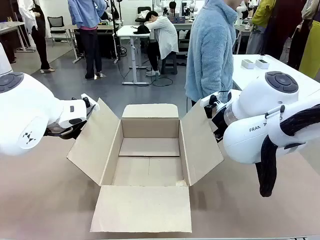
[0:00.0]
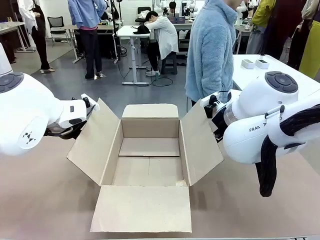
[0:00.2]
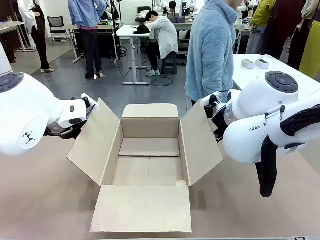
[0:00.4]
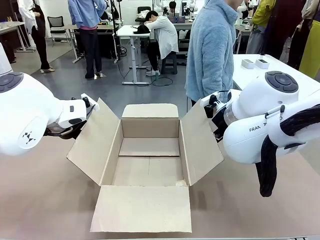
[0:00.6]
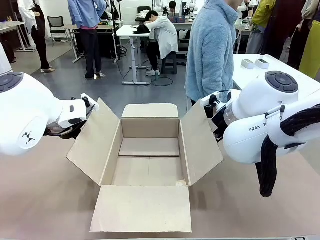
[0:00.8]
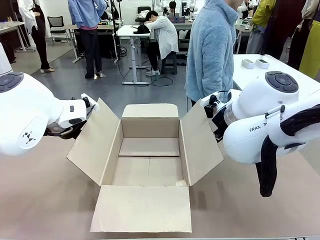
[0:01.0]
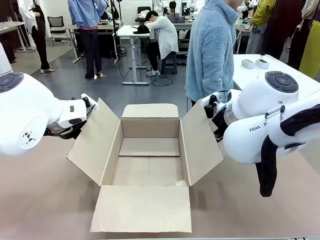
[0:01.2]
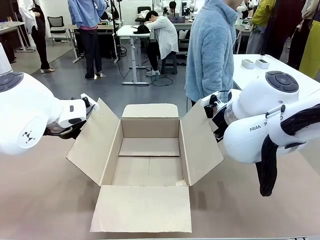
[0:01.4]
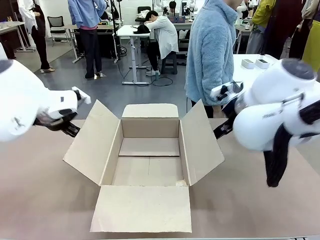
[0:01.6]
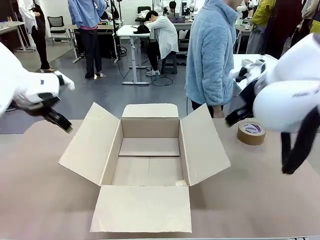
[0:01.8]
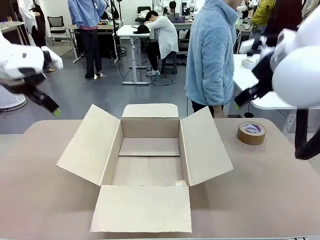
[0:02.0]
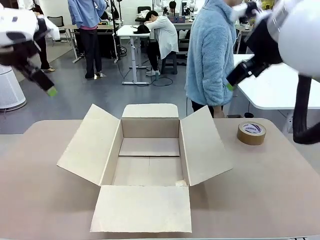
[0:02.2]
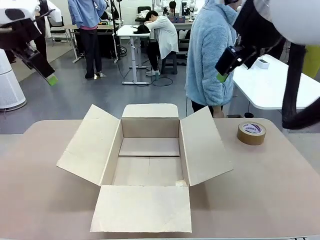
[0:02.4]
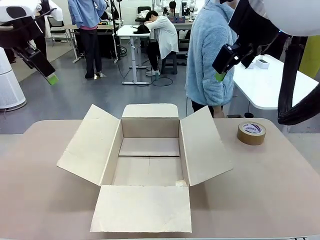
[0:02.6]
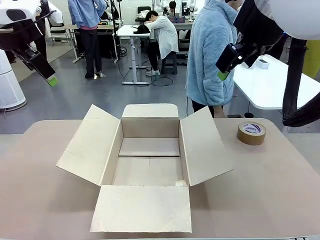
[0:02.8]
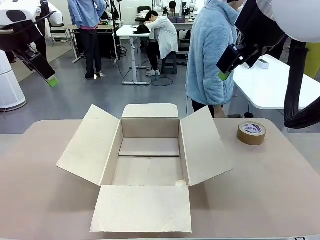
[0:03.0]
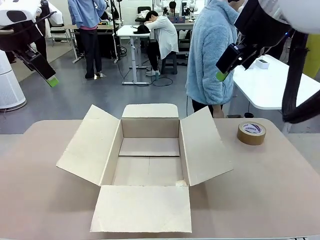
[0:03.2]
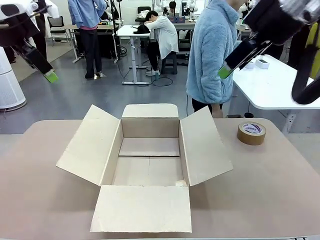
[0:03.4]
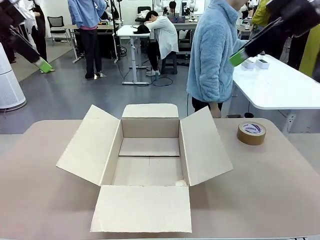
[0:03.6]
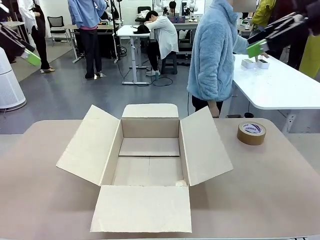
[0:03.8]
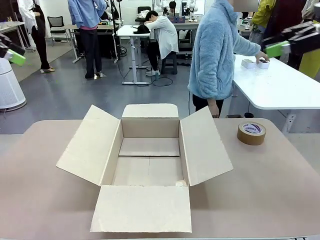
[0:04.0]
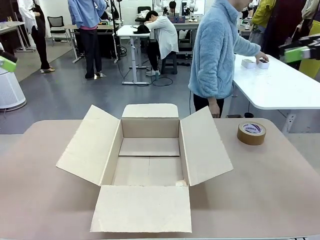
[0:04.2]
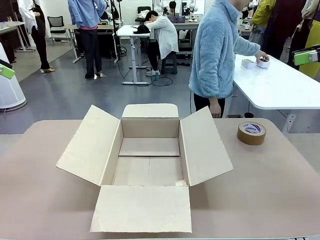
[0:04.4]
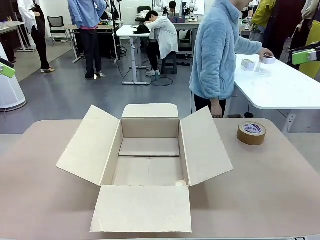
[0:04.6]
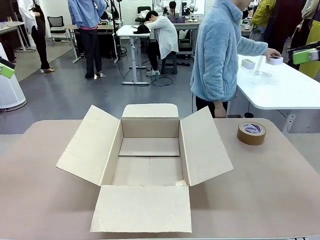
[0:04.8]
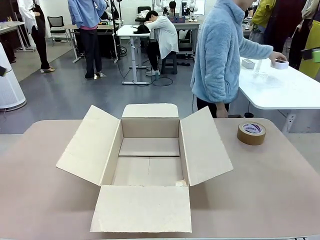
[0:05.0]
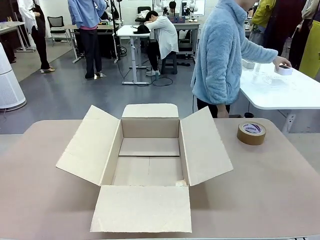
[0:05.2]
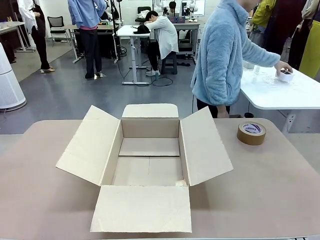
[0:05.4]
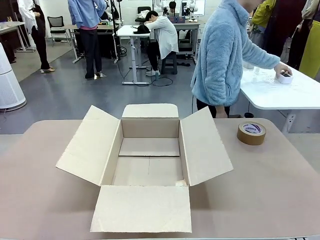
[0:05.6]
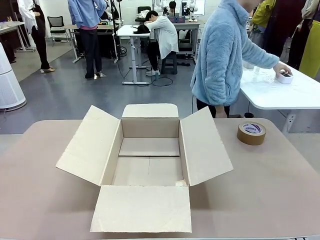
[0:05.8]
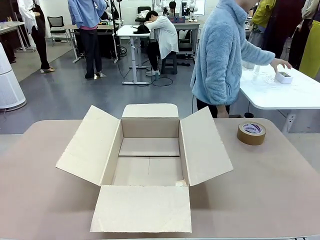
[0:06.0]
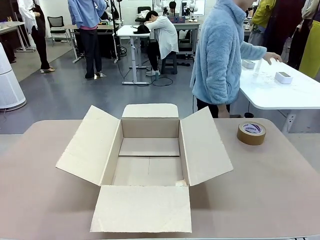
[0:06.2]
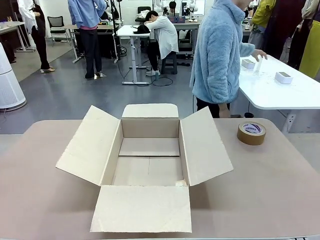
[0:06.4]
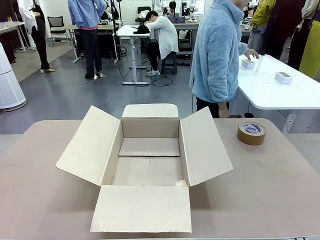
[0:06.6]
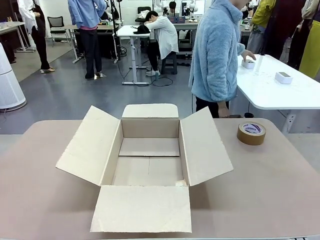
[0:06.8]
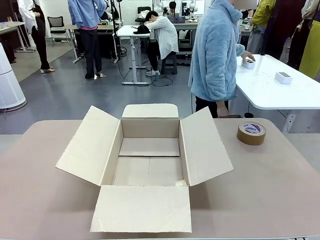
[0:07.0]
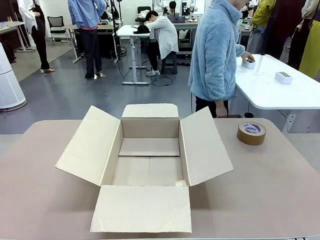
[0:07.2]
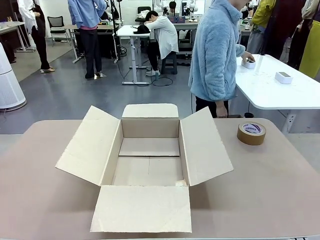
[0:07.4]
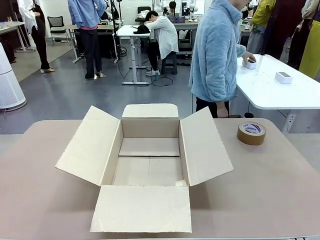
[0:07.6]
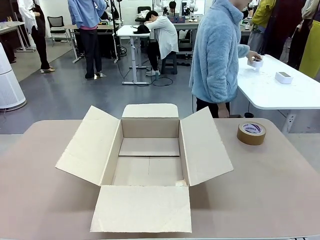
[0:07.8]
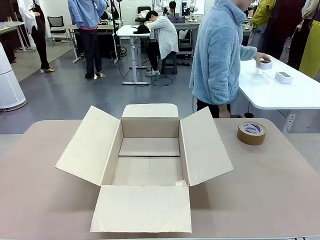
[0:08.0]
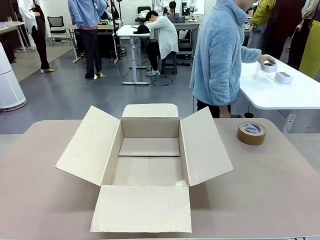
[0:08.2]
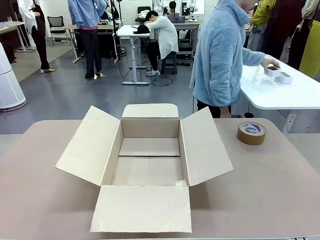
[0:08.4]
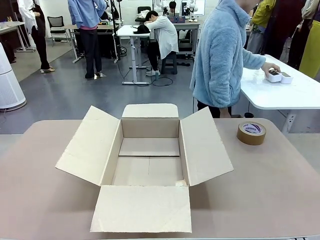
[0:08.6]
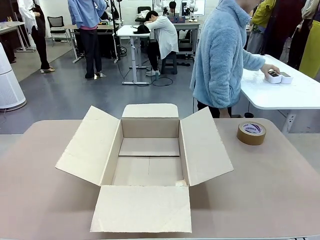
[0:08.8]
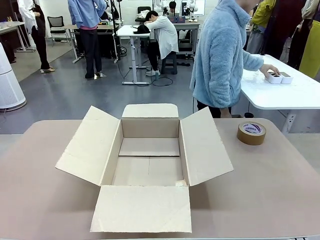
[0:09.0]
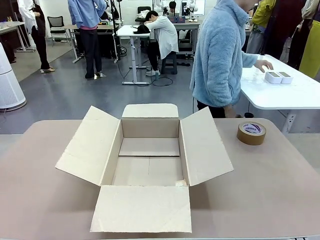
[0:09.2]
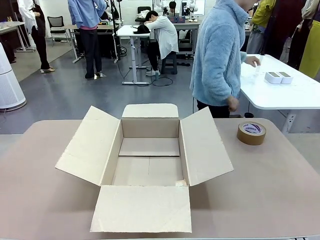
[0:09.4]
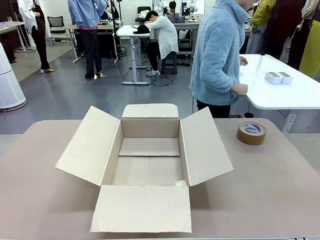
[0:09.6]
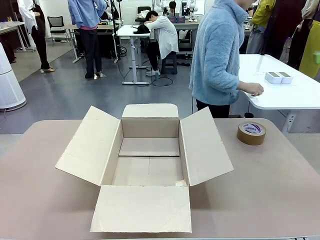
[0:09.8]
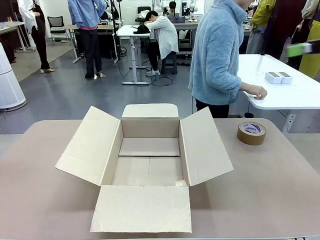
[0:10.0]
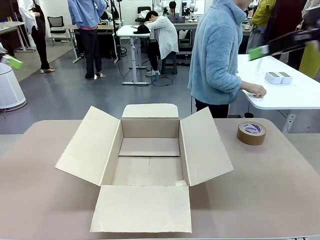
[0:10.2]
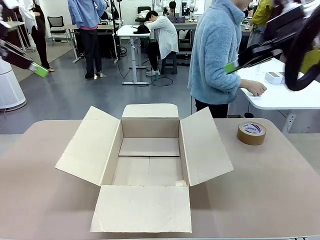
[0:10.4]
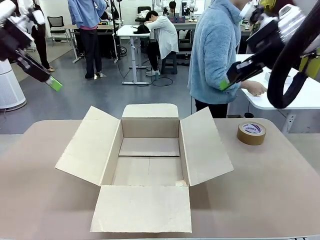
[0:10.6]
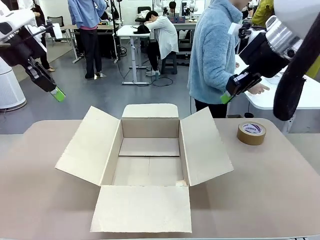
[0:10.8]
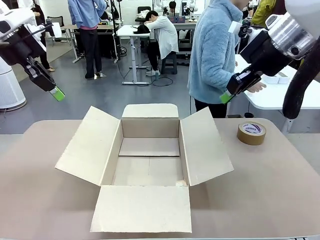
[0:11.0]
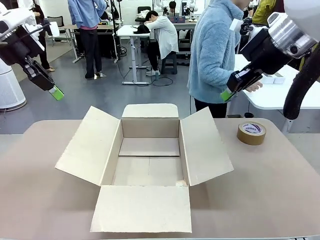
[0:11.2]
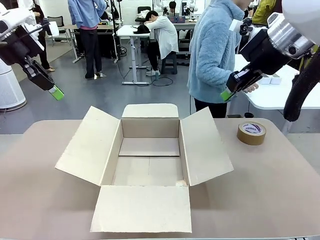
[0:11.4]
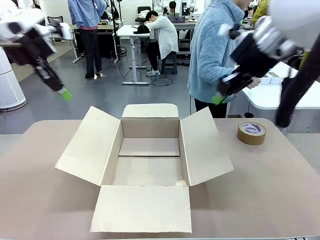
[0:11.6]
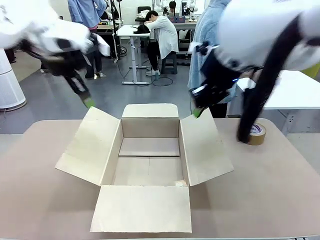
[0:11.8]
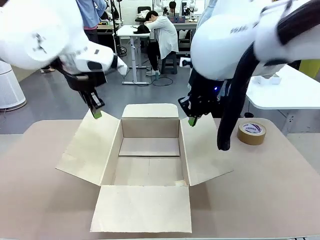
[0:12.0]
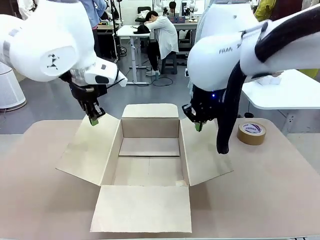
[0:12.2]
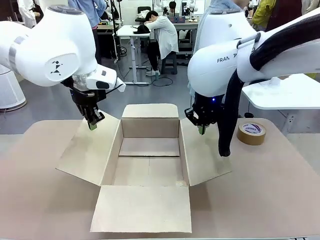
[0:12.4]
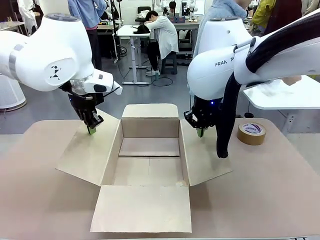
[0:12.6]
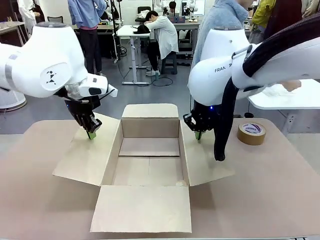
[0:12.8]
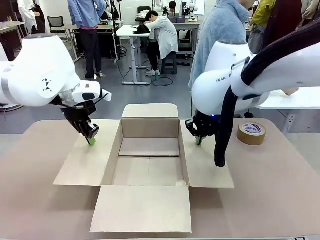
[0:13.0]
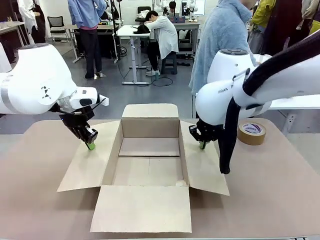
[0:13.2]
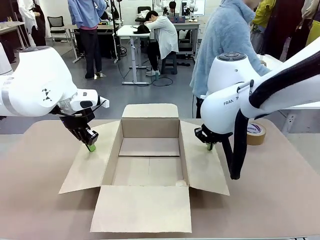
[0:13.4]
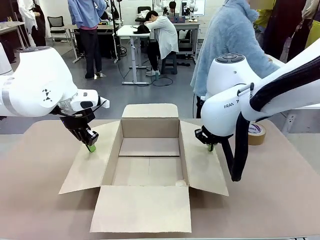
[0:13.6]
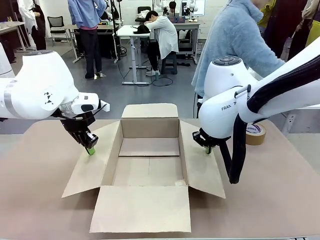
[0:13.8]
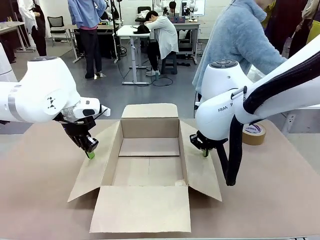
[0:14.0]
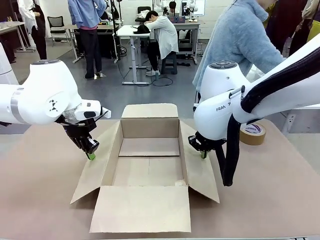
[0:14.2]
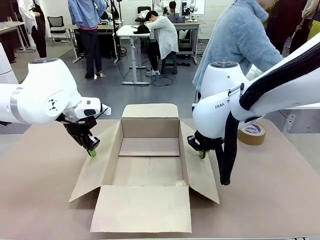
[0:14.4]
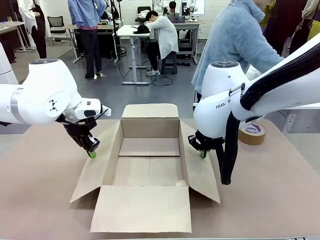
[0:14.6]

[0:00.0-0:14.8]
Task: Wrap the clocks to prevent damage.
Robot: Open the side flaps of the Package Box.
Person: Wrap the two Digital clocks with Bubble Wrap.

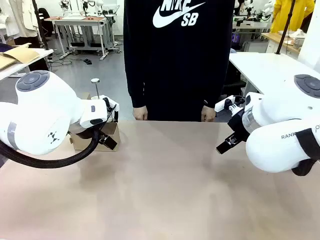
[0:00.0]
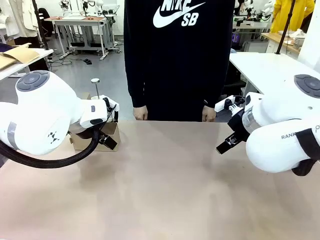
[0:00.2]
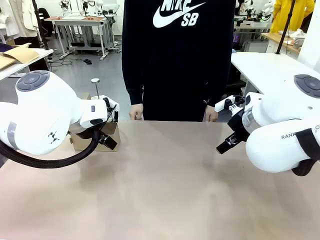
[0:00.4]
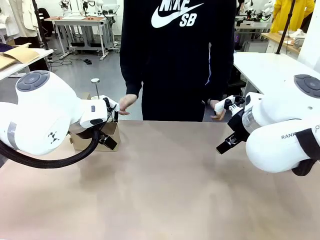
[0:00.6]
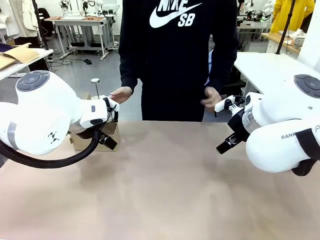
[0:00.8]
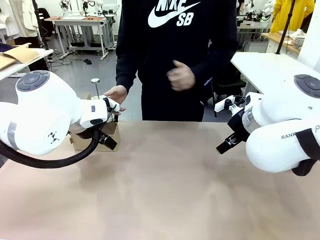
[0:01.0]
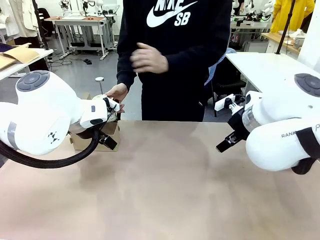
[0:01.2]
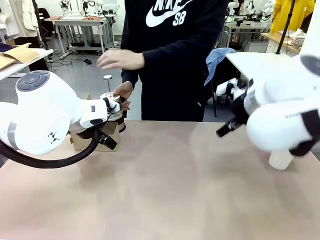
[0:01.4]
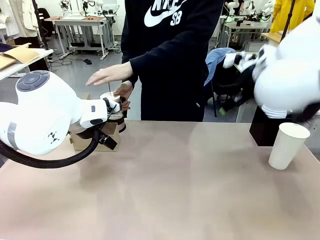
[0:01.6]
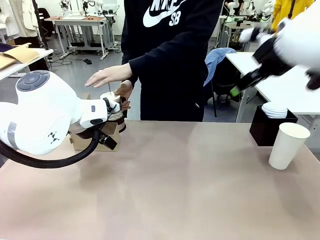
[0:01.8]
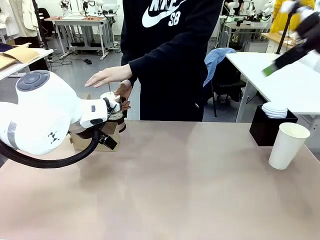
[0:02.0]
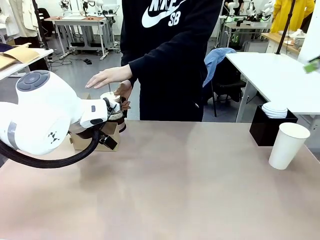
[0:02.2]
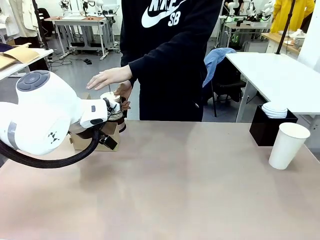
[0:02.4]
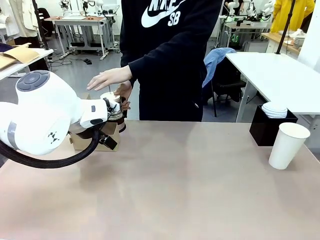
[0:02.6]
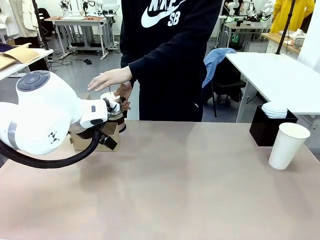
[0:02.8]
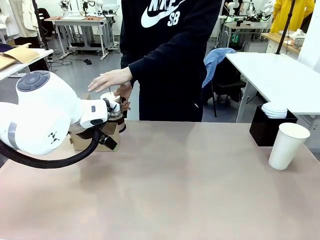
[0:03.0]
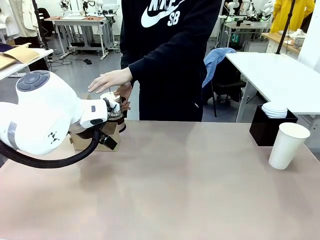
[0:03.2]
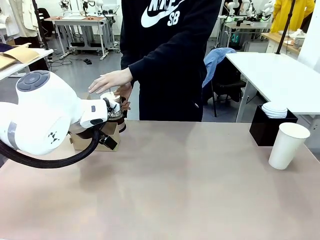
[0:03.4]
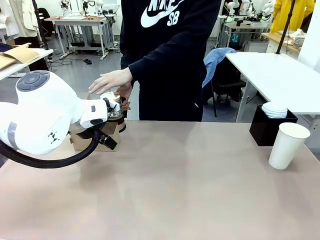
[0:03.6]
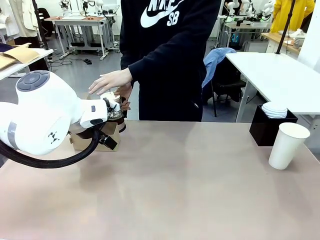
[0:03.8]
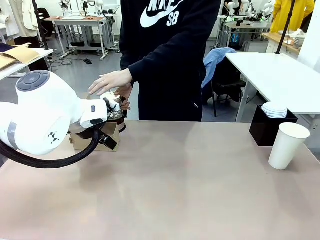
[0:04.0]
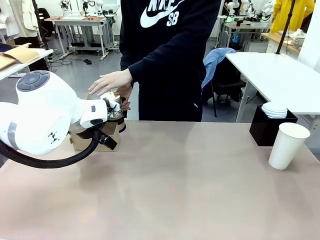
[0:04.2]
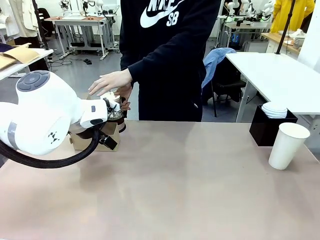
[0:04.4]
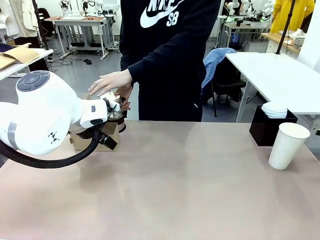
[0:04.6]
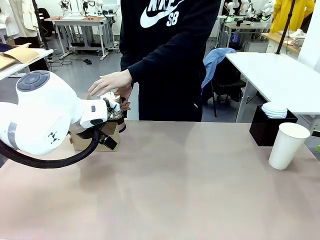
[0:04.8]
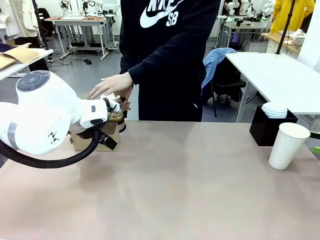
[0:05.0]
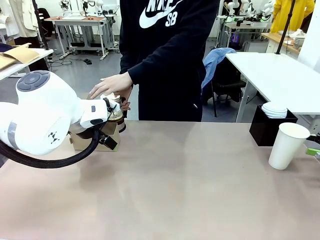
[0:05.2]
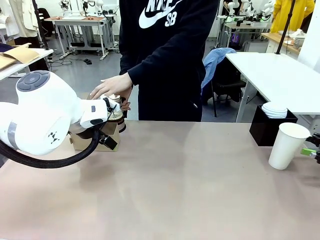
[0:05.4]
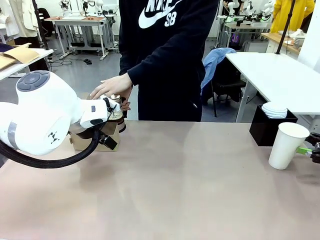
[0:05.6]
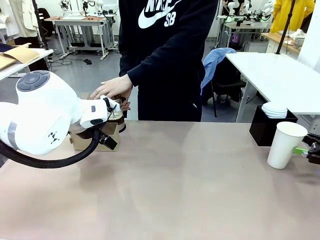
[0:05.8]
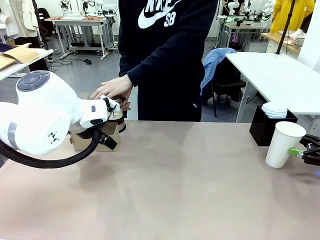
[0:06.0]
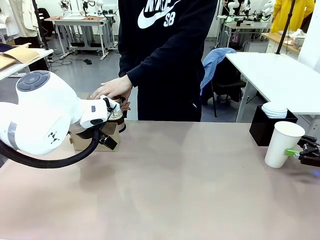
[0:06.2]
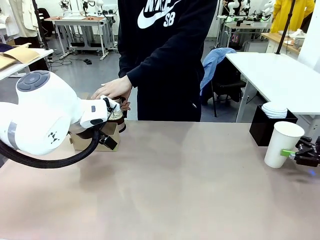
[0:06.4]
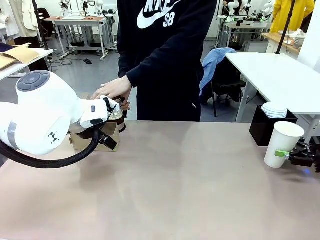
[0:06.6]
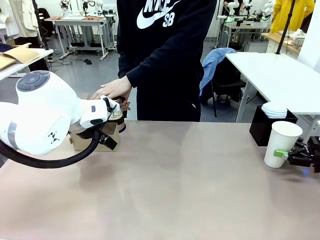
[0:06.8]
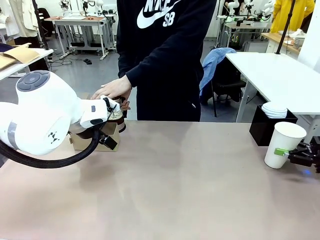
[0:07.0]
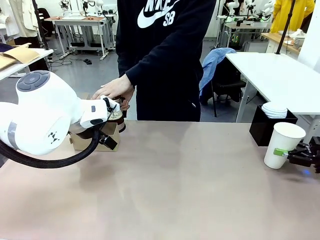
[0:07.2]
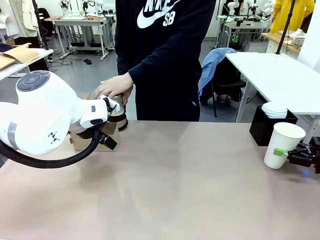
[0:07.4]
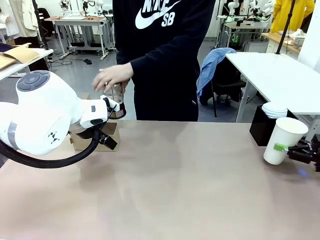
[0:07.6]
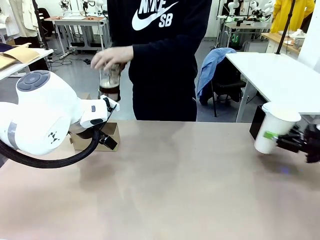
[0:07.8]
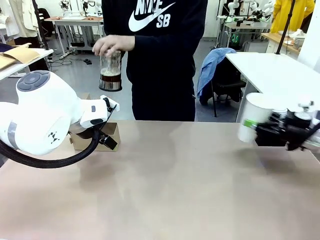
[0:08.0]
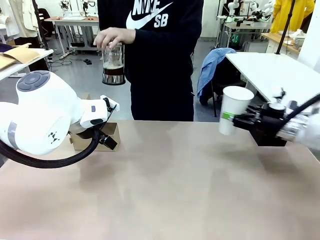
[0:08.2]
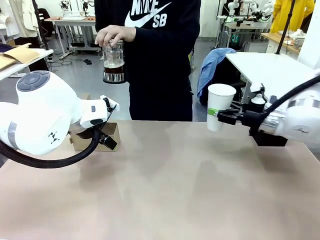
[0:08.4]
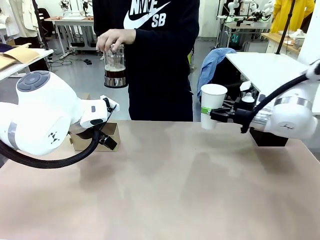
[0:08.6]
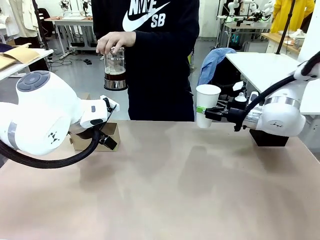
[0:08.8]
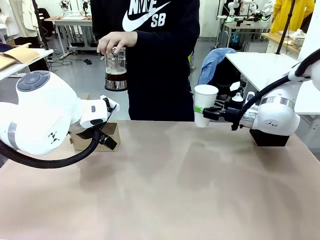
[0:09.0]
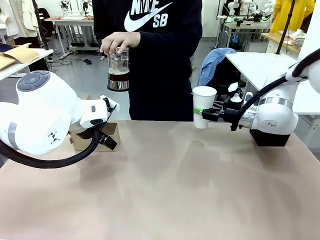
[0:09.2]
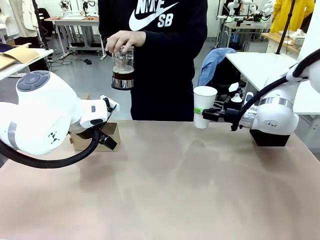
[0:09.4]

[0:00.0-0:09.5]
Task: Pour a drink into a cup and package it in a carrier.
Robot: Pick up the 600 ml Paper Cup and place it in the middle top area of the table.
Person: Press and pick up the Filter Brewing.
